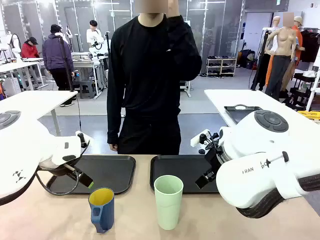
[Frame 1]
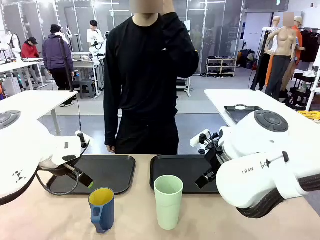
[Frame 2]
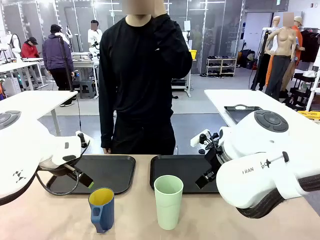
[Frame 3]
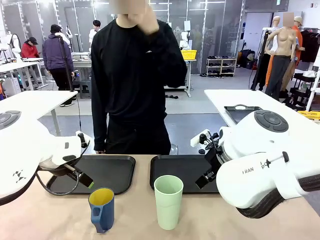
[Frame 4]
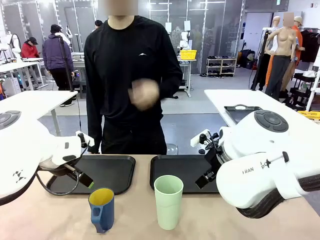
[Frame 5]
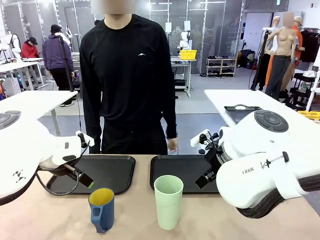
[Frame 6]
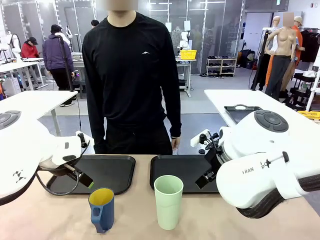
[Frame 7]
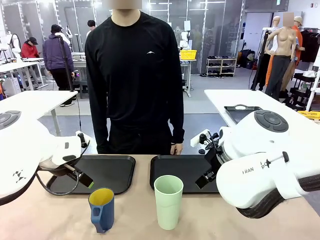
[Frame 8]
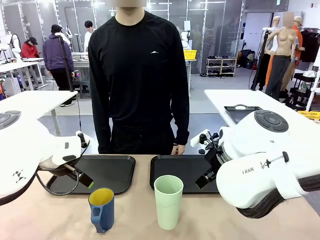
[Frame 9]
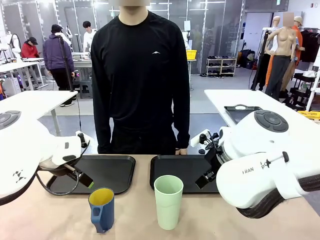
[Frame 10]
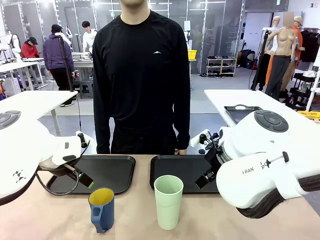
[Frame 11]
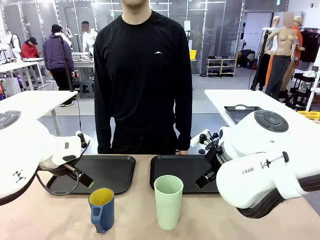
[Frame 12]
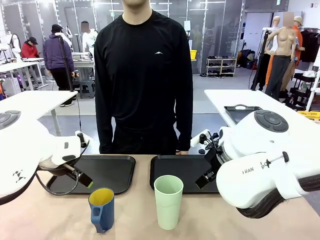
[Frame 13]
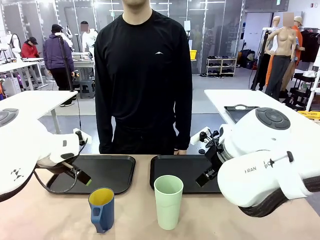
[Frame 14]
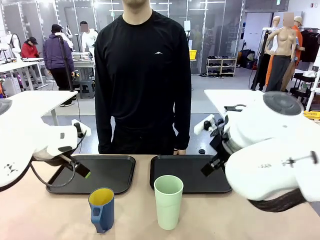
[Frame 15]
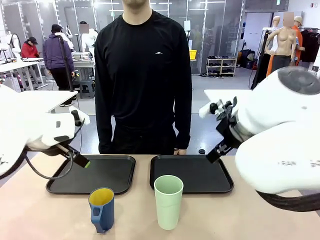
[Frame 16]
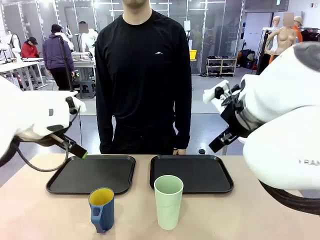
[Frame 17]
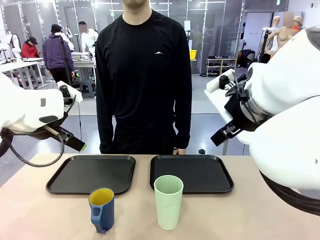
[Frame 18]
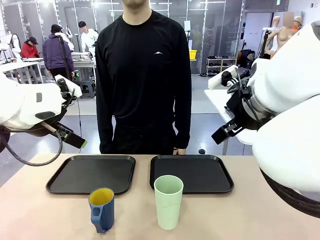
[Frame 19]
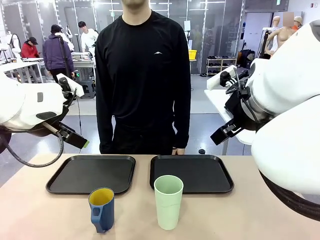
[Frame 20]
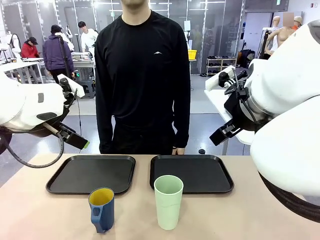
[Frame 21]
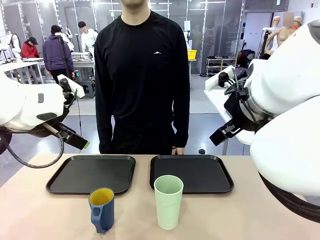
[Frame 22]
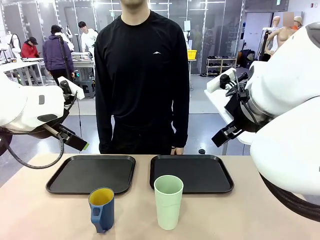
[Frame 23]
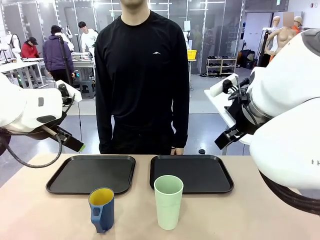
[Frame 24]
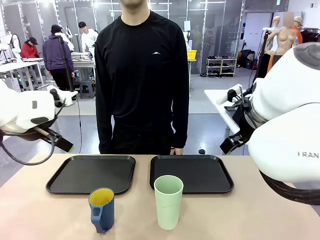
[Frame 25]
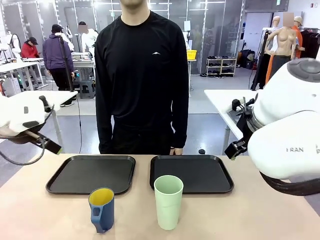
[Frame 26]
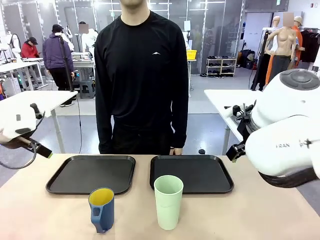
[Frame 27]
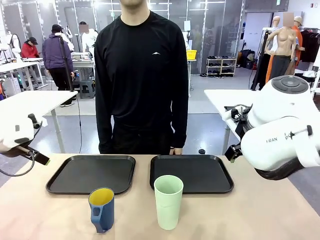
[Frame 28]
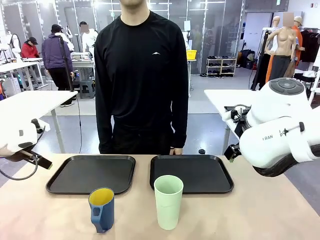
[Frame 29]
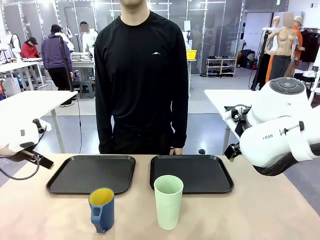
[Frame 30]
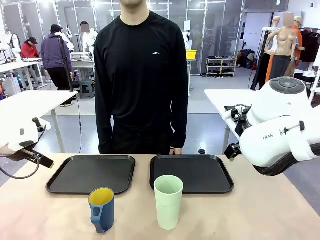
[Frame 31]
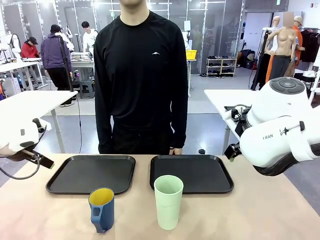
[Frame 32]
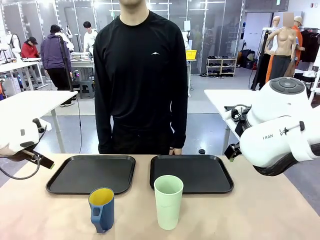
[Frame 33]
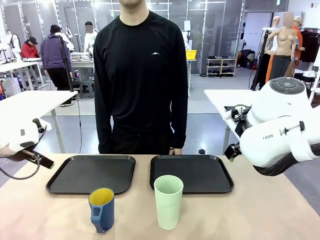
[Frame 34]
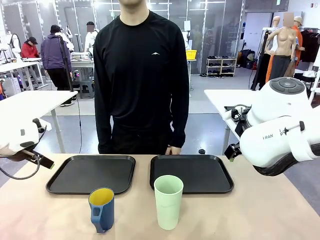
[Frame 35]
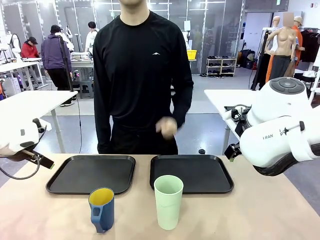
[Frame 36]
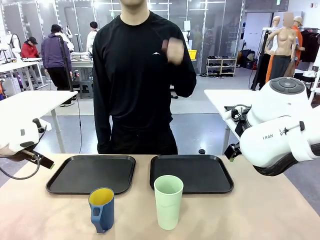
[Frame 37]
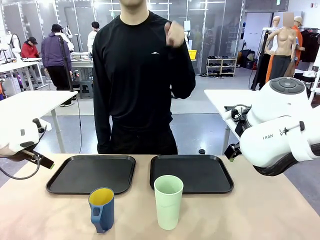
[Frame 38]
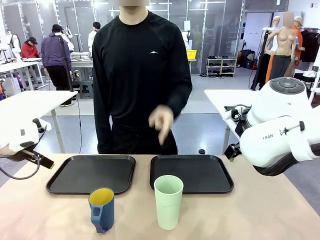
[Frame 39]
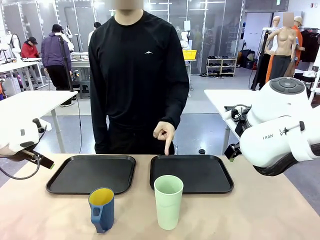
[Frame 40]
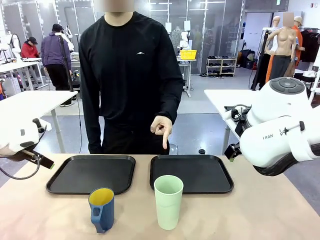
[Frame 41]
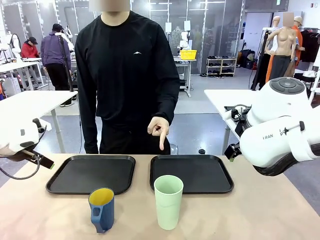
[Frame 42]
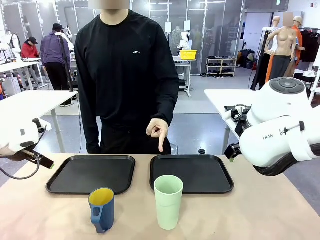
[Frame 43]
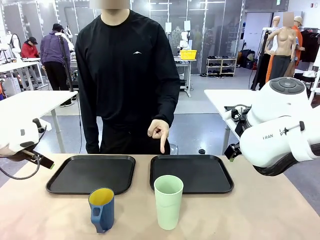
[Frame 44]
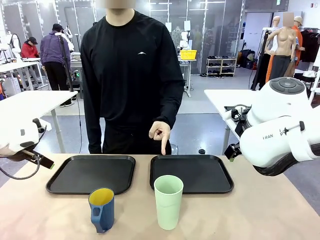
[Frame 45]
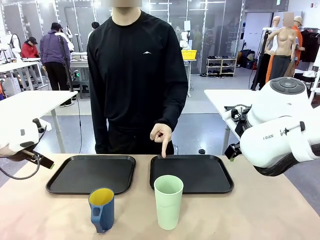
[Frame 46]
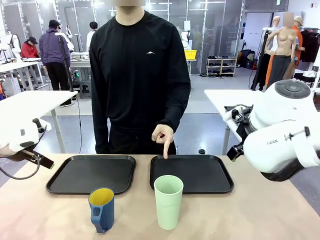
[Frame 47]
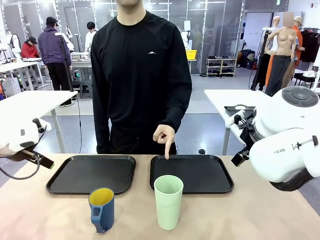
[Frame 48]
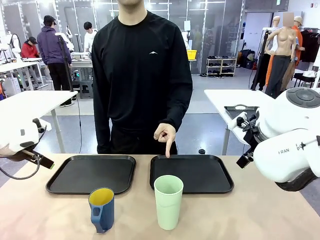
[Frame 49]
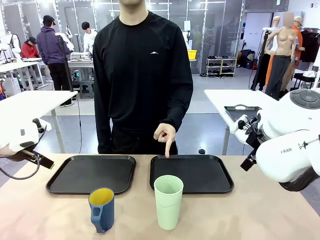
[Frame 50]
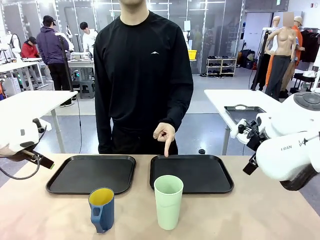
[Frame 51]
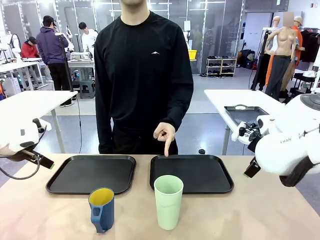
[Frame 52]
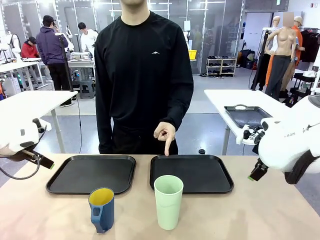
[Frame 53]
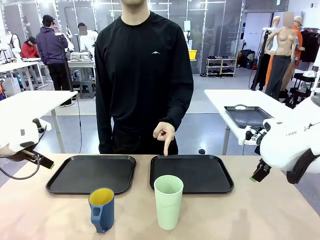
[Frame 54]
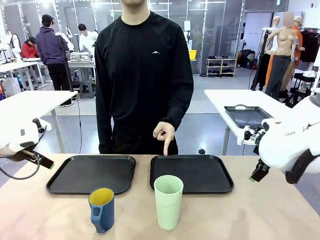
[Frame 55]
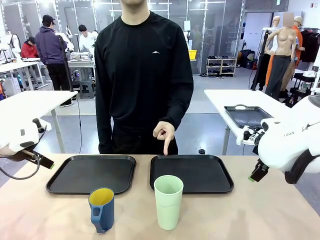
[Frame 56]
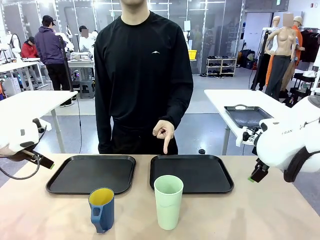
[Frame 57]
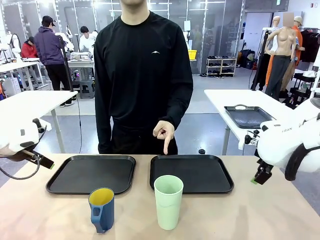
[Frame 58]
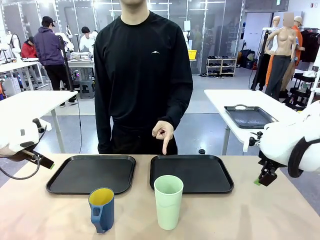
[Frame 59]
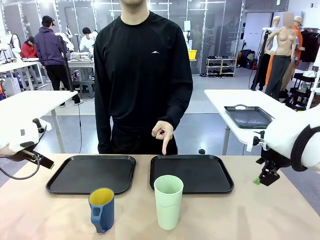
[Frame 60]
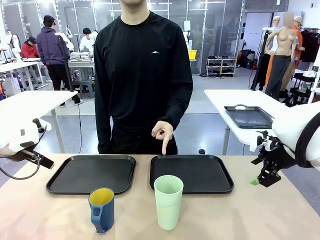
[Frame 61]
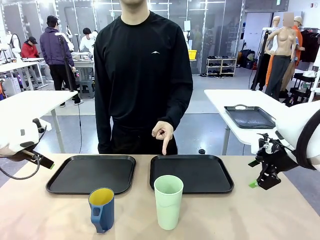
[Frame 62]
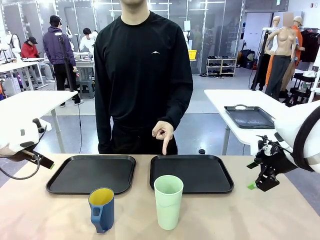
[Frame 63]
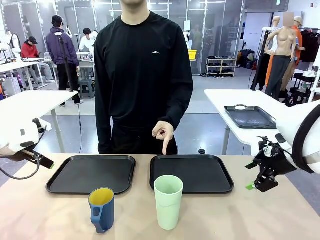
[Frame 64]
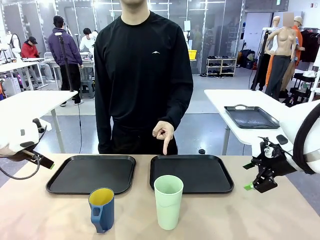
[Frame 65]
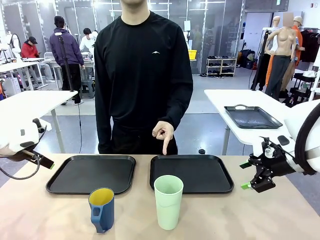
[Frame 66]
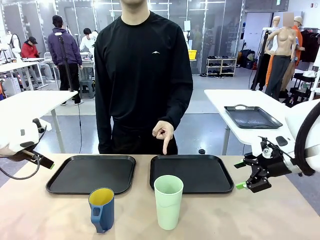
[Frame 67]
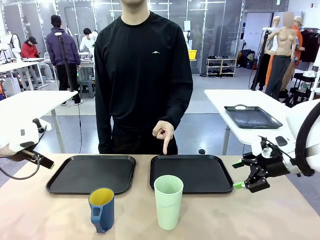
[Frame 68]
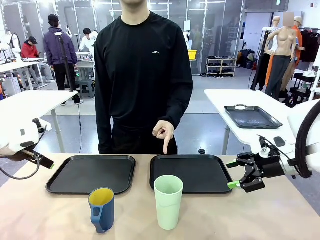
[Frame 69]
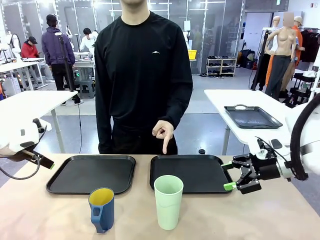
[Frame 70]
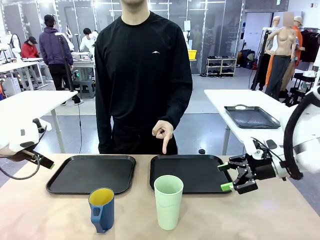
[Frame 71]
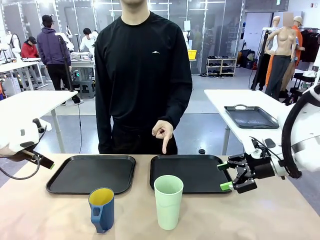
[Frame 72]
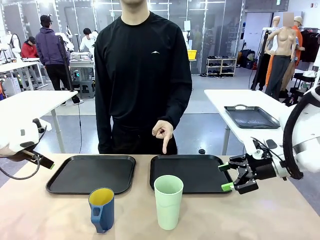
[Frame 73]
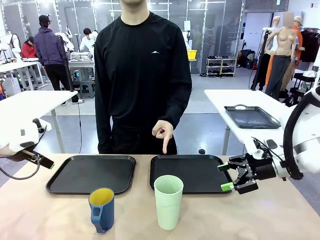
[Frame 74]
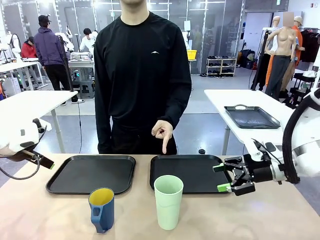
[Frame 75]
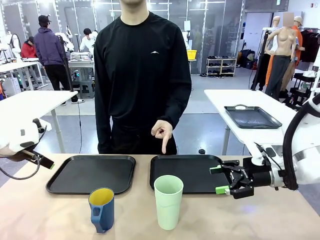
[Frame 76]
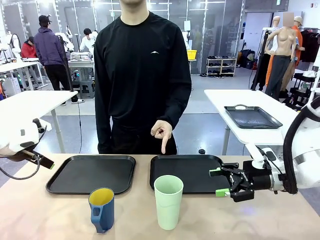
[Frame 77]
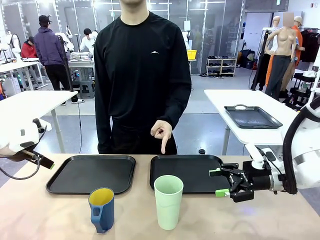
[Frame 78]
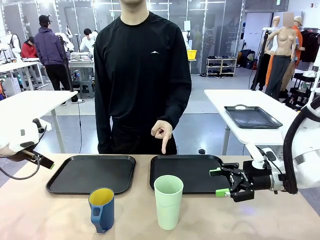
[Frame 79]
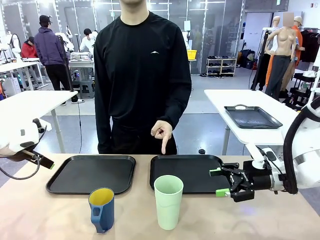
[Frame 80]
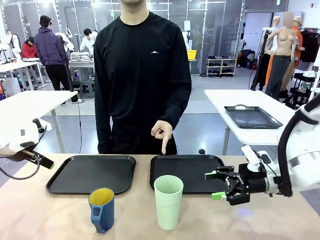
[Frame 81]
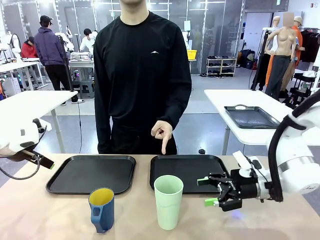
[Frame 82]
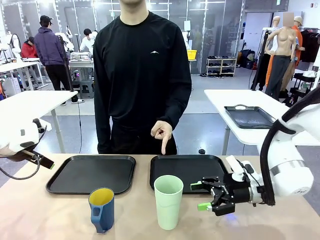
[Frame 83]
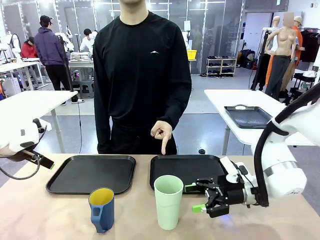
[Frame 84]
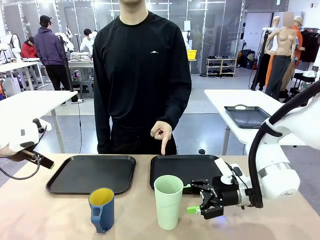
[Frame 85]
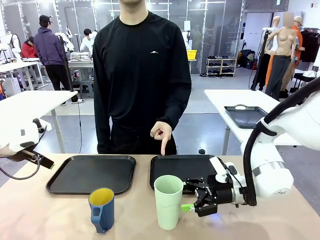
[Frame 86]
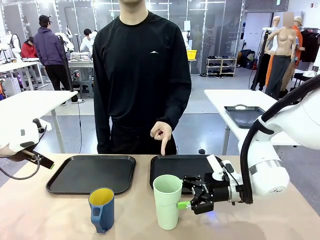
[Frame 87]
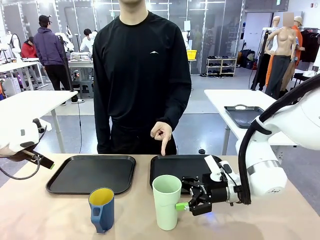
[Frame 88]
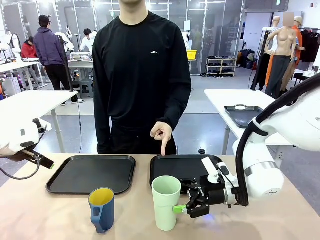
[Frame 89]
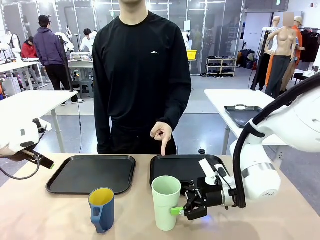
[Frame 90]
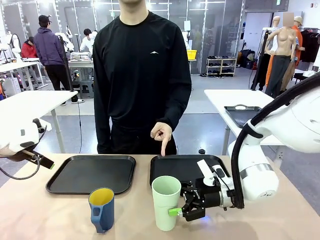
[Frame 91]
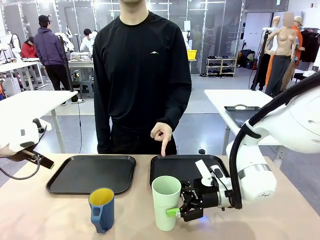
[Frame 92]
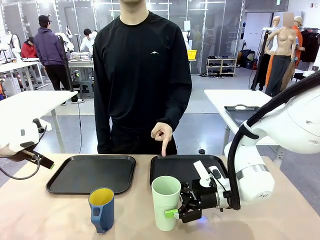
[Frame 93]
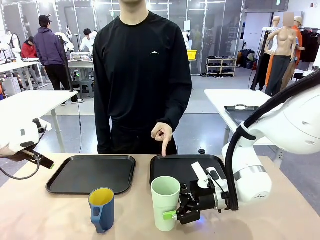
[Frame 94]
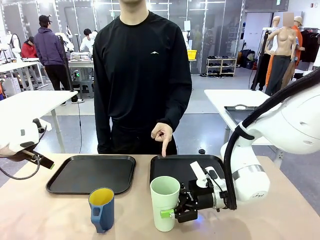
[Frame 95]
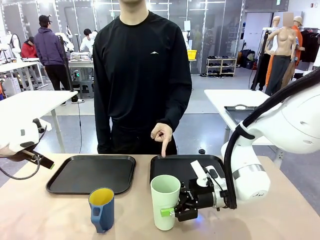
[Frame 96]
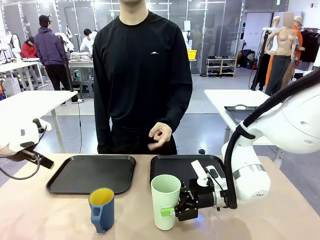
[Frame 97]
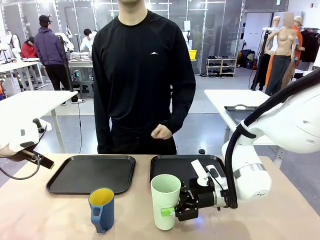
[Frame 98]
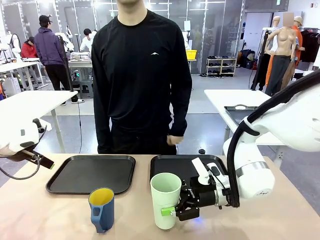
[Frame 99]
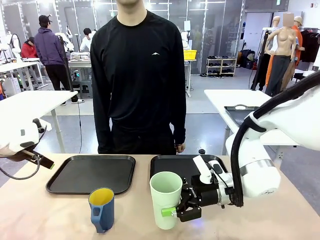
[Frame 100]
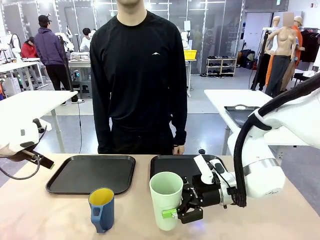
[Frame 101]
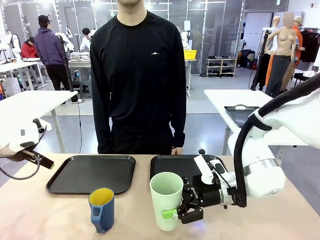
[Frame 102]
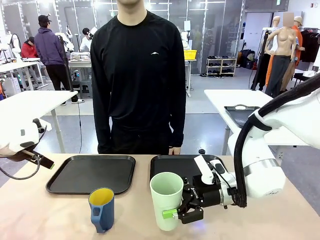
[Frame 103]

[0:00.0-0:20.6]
Task: Sort and store the cups by type.
Robot: Pick up the Reusable plastic cup.
Person: Points to the reusable cup. Point to one of the two trays.
